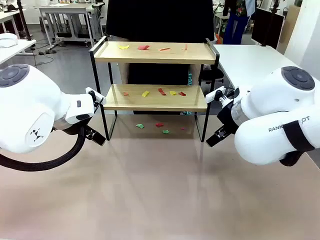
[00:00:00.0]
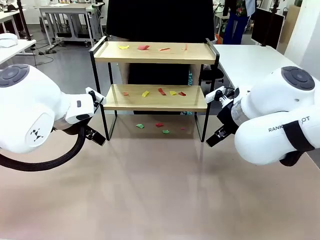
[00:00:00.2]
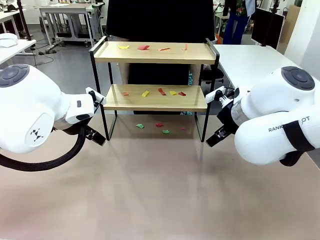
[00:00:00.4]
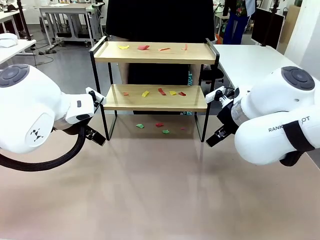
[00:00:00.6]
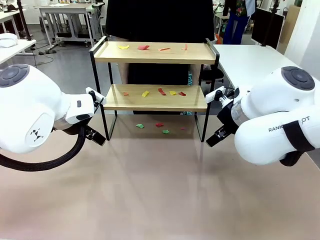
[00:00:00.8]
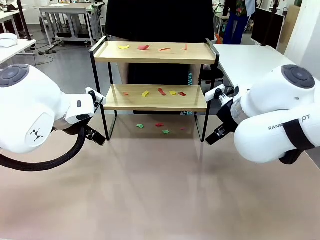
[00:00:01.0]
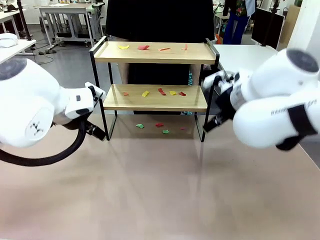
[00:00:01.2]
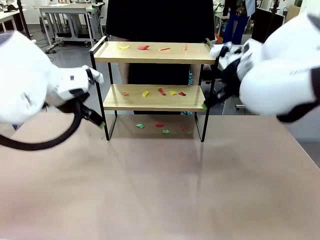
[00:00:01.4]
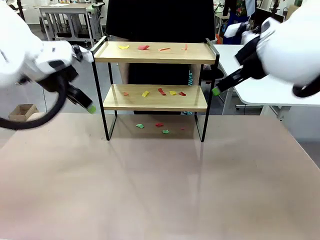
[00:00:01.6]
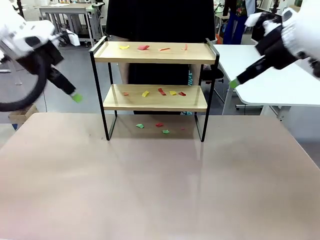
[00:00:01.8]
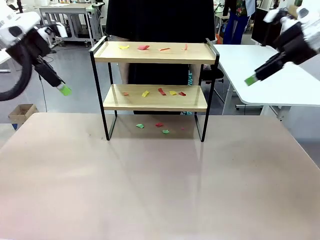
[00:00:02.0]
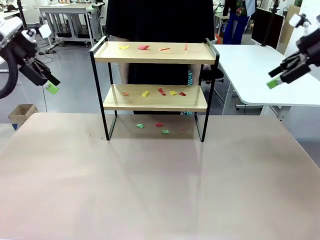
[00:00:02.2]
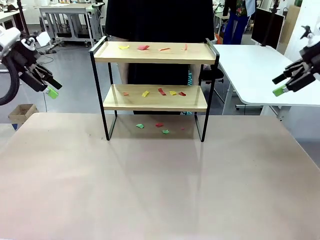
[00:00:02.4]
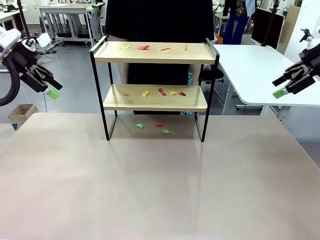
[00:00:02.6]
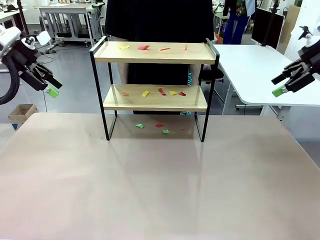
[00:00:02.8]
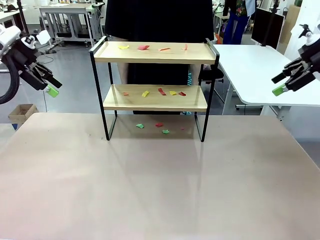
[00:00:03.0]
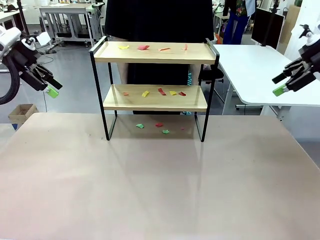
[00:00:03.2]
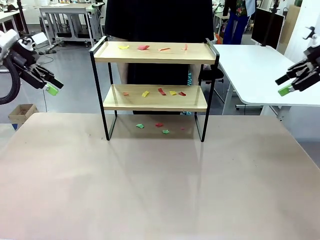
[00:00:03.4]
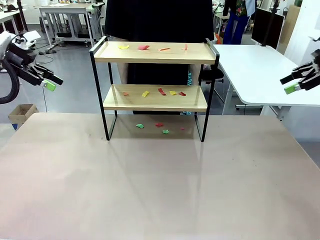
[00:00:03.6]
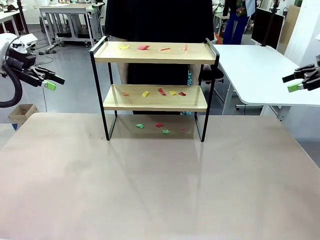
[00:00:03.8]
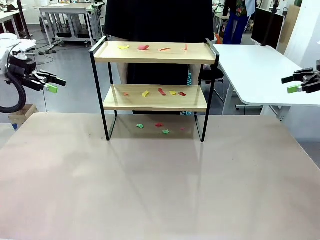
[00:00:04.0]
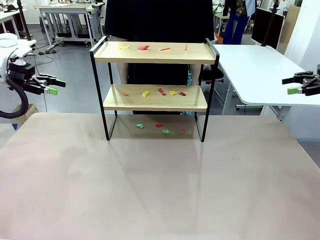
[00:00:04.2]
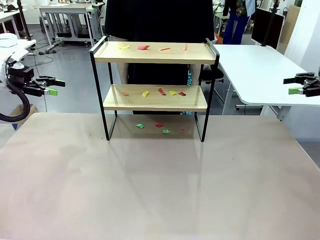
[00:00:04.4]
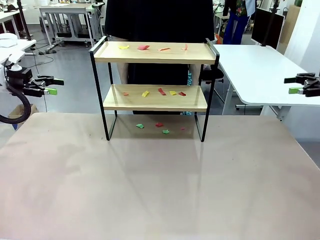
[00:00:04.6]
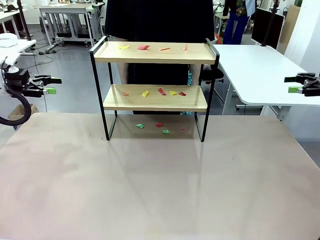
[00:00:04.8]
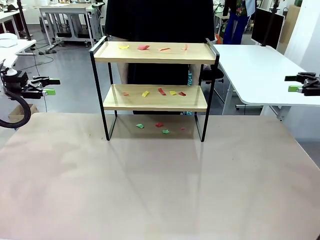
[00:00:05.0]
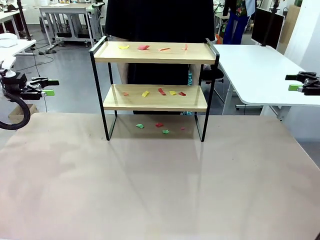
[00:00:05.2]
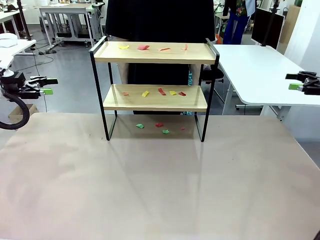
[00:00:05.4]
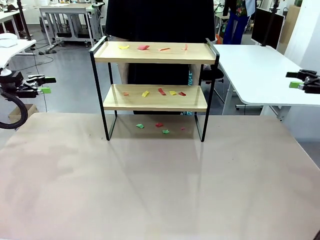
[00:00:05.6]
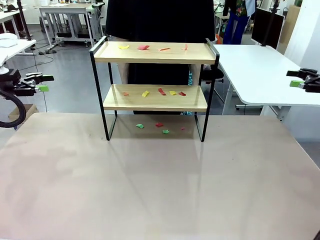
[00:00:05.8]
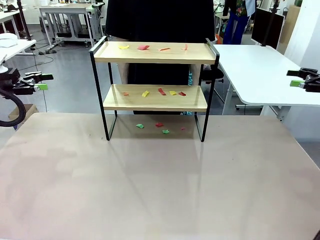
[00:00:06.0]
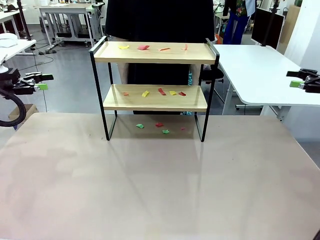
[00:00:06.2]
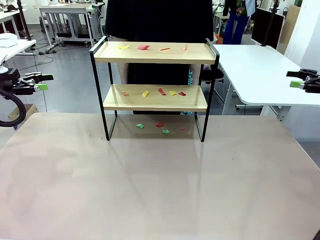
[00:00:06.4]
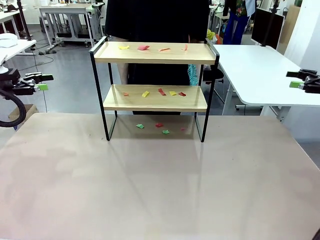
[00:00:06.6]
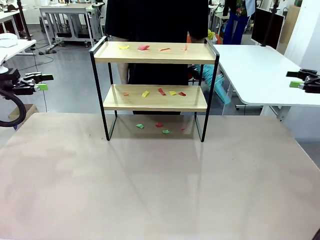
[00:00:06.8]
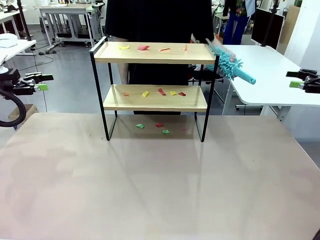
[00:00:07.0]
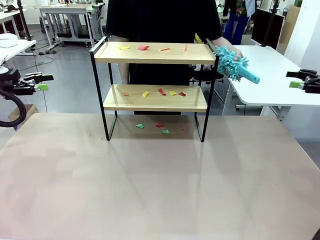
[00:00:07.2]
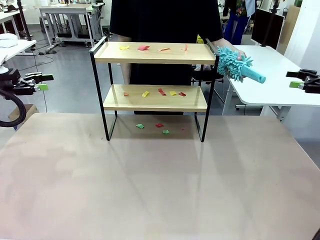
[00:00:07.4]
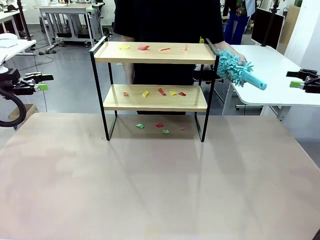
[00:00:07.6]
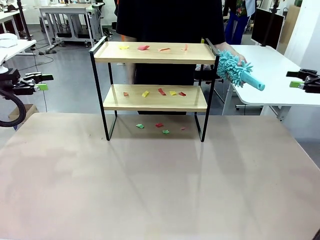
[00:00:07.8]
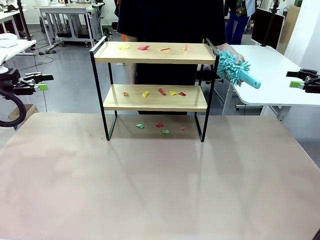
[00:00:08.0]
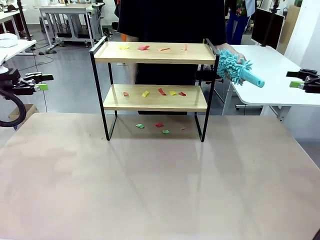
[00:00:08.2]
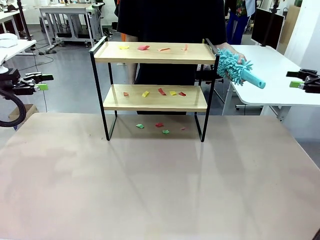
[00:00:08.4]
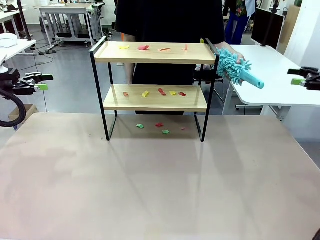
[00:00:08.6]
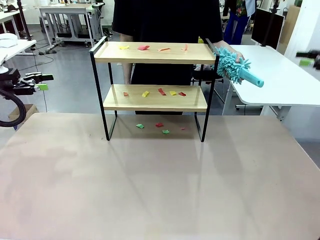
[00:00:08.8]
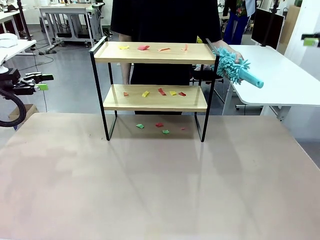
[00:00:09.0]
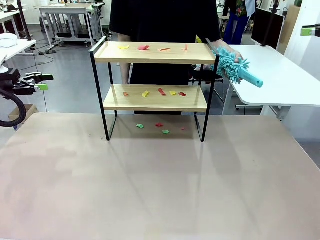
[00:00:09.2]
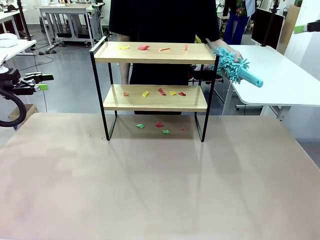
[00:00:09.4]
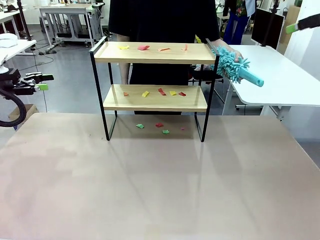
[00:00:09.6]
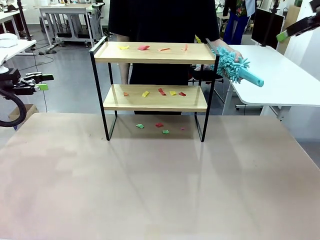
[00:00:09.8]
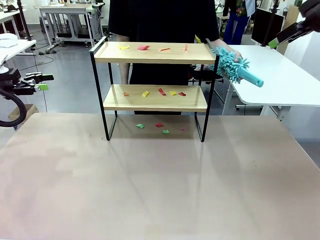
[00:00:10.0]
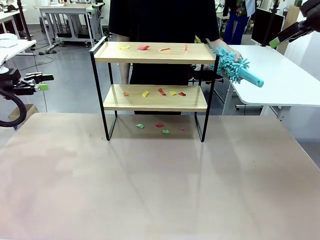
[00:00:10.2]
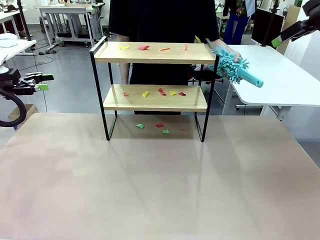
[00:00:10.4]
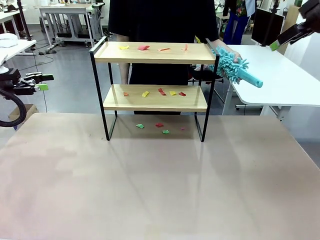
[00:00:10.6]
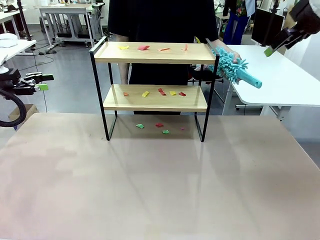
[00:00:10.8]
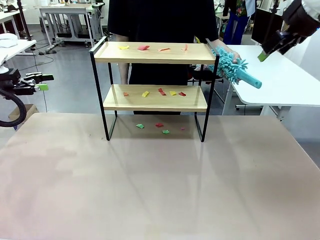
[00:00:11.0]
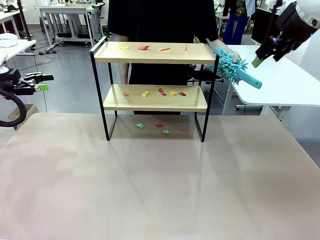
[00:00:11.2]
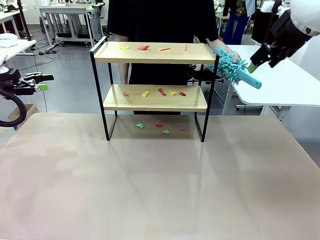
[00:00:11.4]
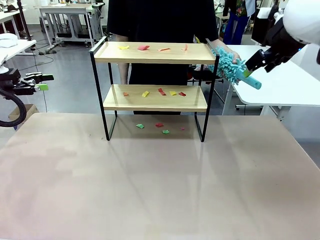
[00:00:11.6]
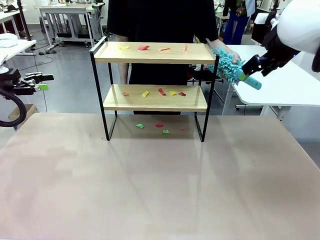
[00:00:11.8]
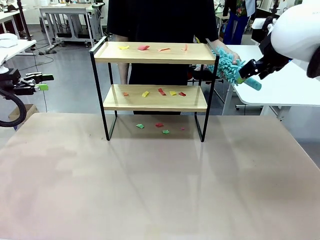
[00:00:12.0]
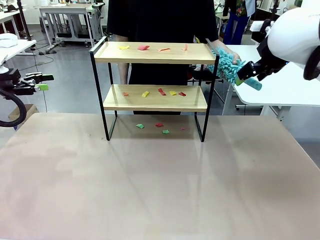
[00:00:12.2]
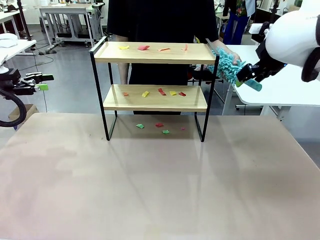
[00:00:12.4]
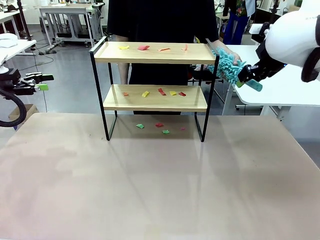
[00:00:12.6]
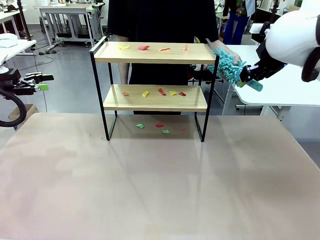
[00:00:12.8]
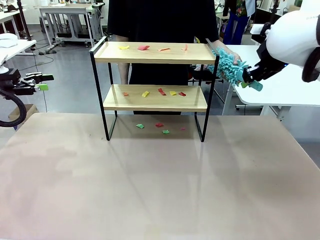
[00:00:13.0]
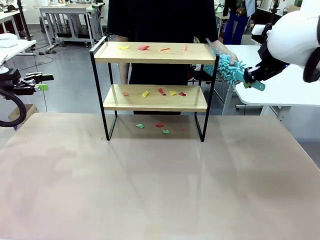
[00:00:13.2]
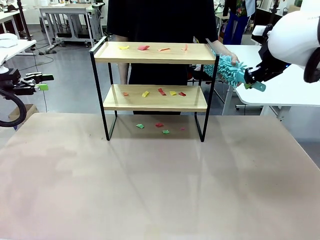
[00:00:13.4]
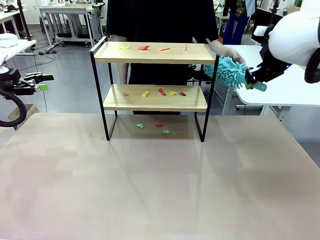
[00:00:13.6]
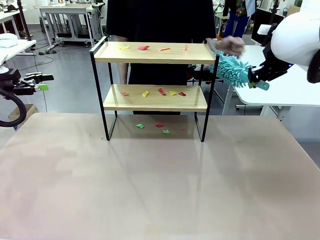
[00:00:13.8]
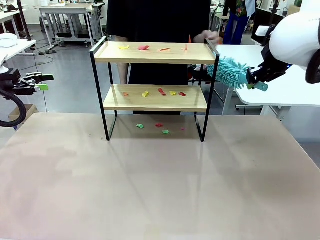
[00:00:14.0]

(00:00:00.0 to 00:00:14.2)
Task: Clean the shelf.
Robot: Pick up the Duster handed by the human.
Person: Hand the Duster to the robot.
